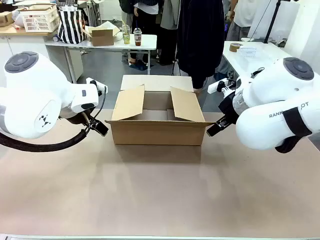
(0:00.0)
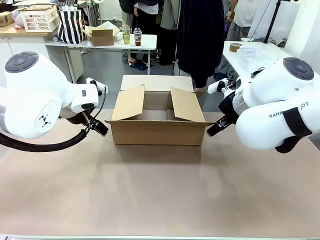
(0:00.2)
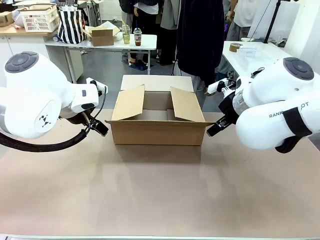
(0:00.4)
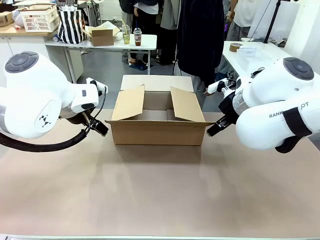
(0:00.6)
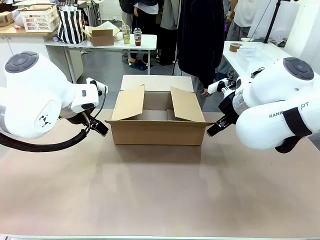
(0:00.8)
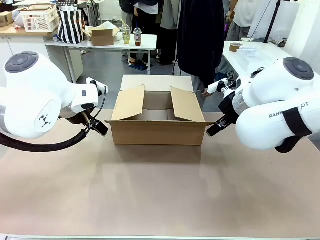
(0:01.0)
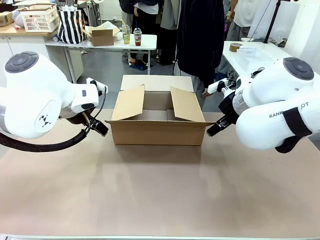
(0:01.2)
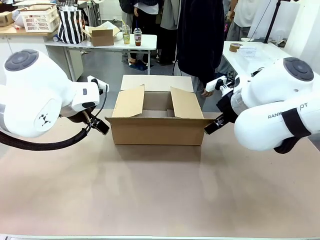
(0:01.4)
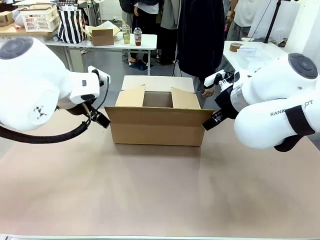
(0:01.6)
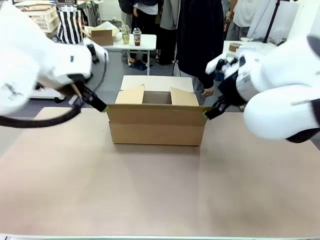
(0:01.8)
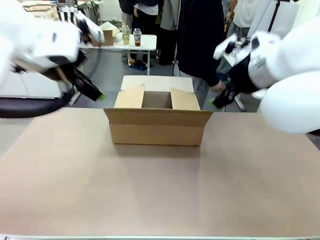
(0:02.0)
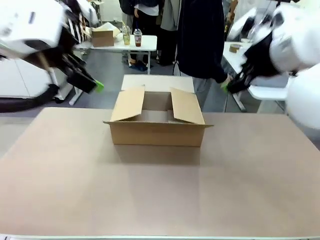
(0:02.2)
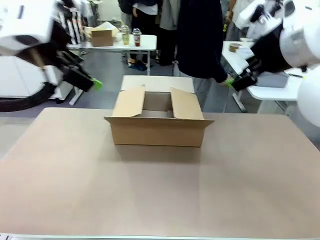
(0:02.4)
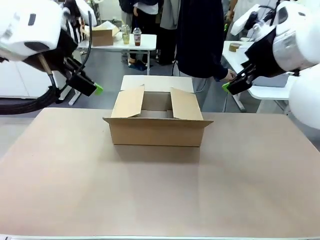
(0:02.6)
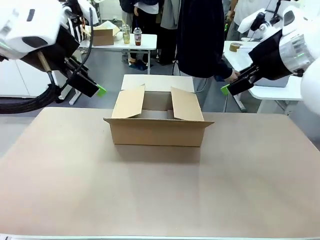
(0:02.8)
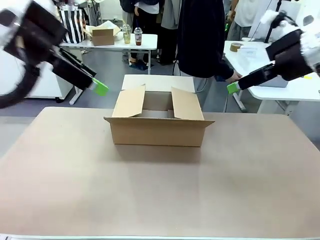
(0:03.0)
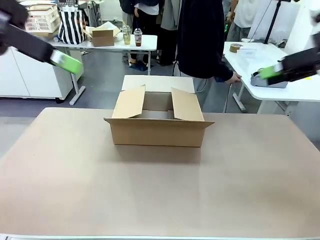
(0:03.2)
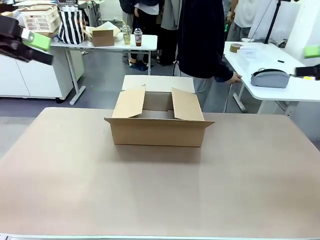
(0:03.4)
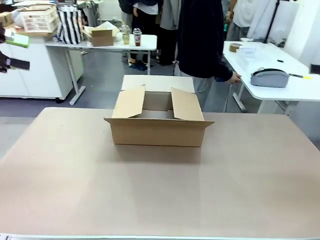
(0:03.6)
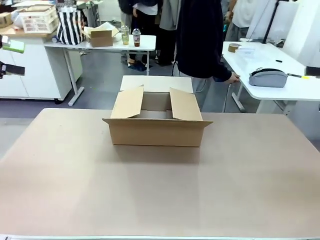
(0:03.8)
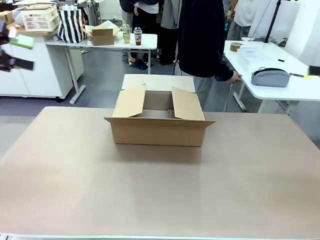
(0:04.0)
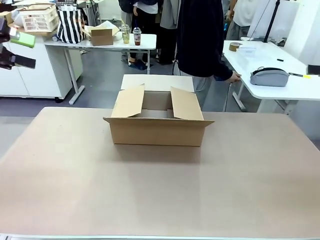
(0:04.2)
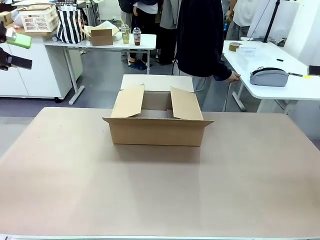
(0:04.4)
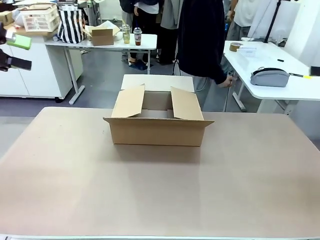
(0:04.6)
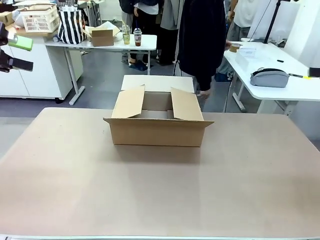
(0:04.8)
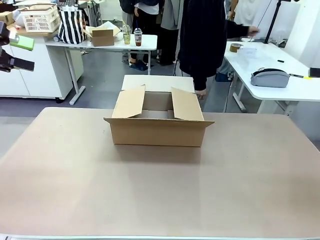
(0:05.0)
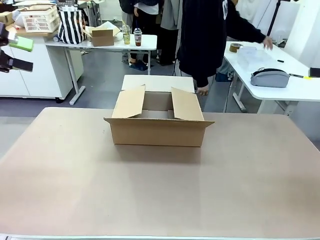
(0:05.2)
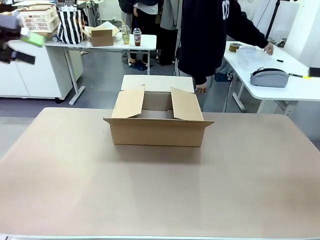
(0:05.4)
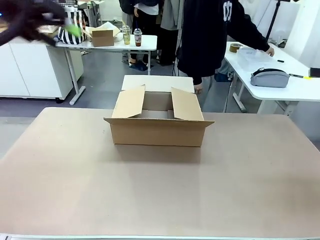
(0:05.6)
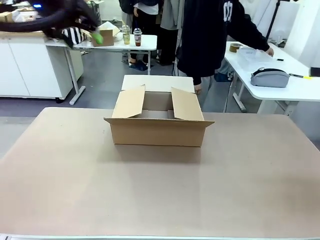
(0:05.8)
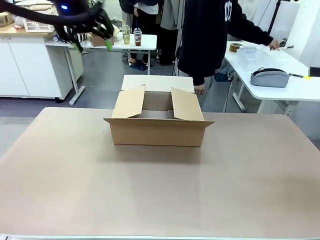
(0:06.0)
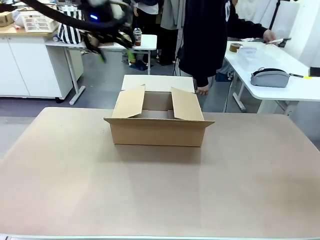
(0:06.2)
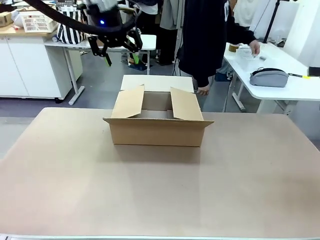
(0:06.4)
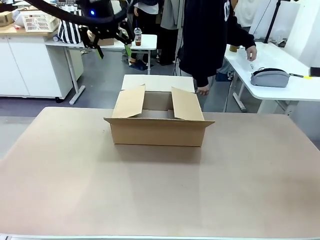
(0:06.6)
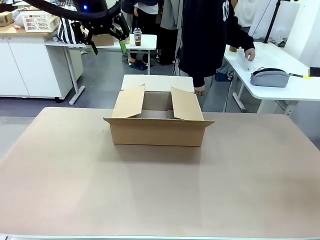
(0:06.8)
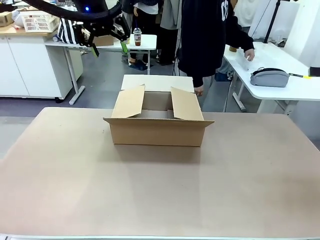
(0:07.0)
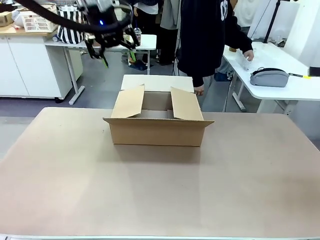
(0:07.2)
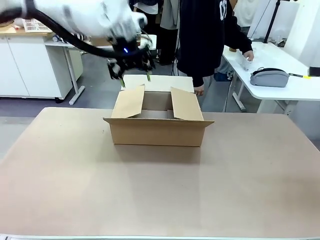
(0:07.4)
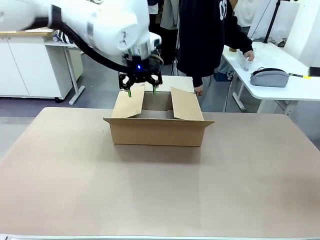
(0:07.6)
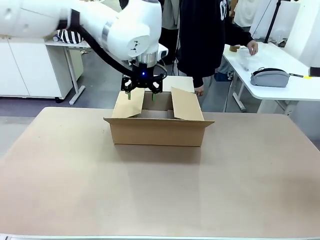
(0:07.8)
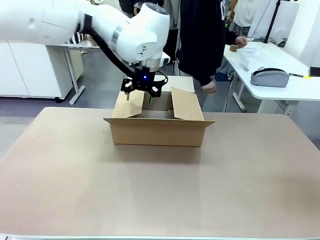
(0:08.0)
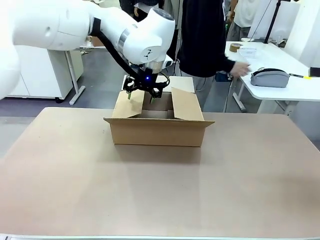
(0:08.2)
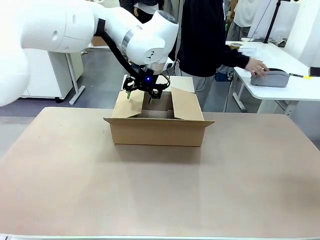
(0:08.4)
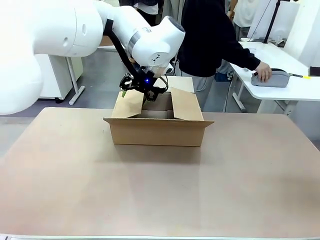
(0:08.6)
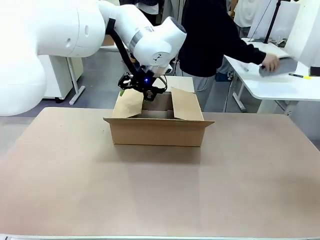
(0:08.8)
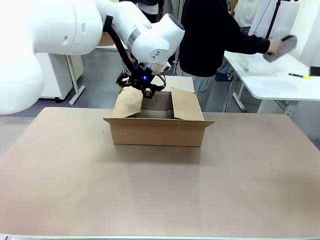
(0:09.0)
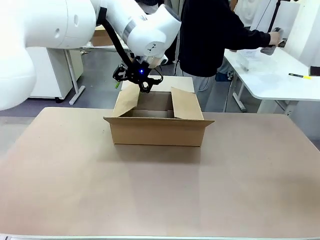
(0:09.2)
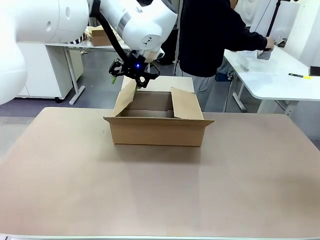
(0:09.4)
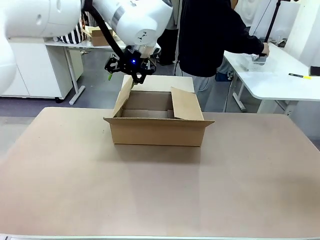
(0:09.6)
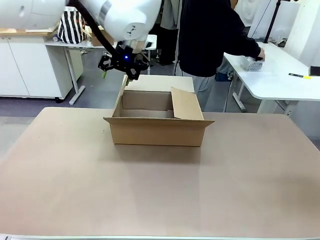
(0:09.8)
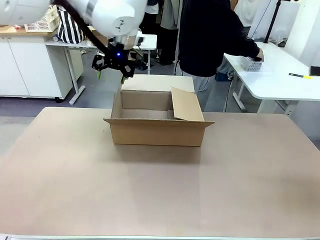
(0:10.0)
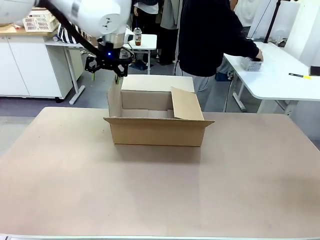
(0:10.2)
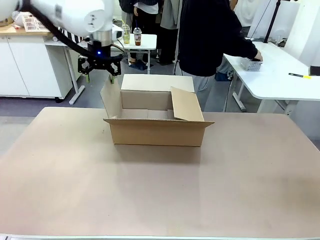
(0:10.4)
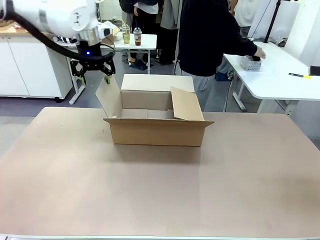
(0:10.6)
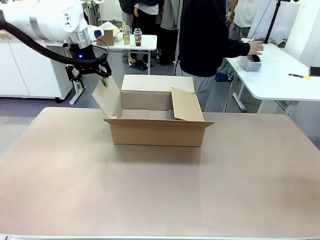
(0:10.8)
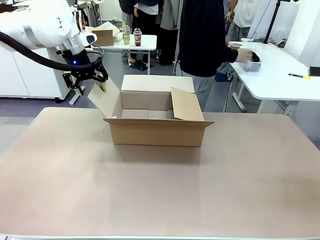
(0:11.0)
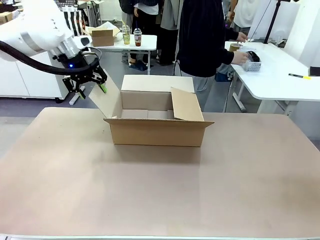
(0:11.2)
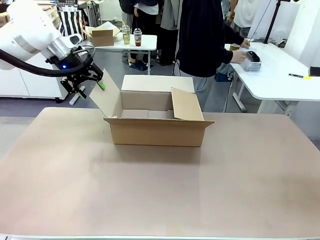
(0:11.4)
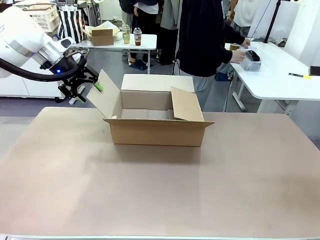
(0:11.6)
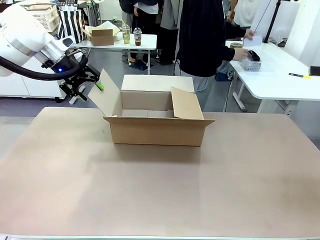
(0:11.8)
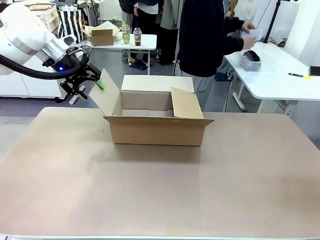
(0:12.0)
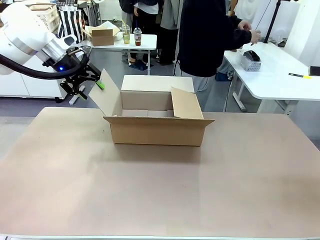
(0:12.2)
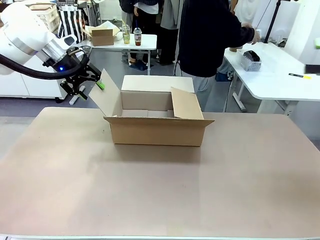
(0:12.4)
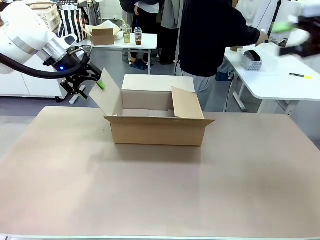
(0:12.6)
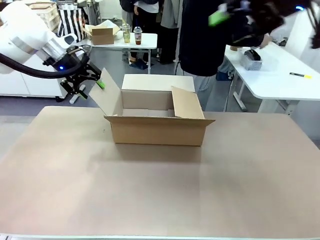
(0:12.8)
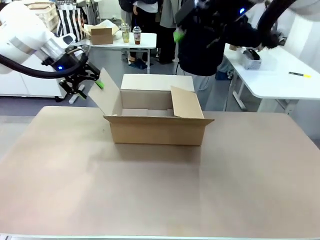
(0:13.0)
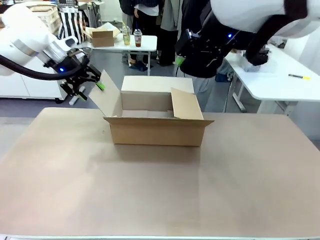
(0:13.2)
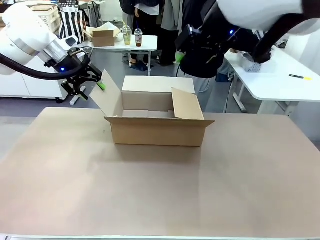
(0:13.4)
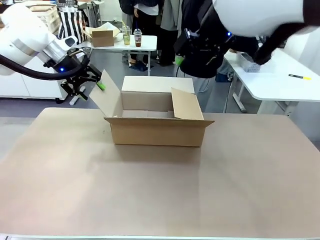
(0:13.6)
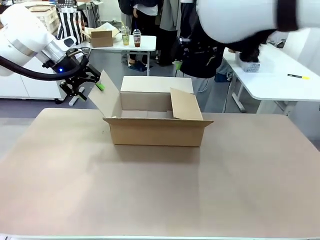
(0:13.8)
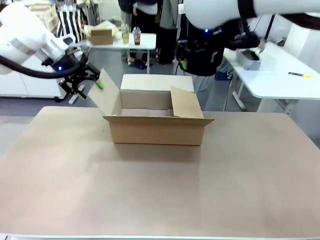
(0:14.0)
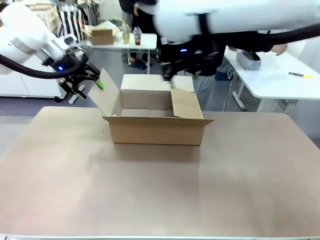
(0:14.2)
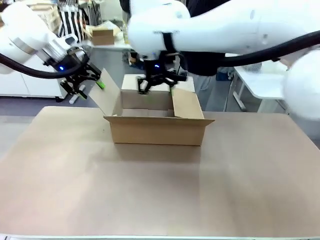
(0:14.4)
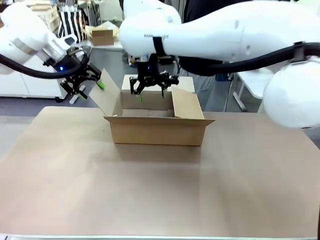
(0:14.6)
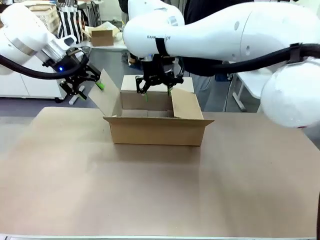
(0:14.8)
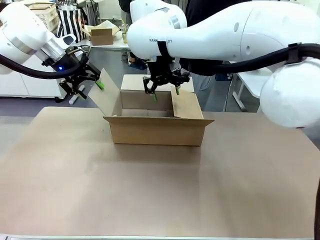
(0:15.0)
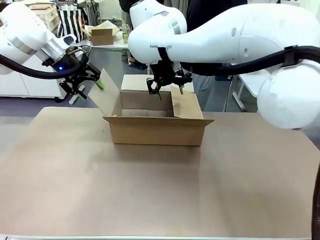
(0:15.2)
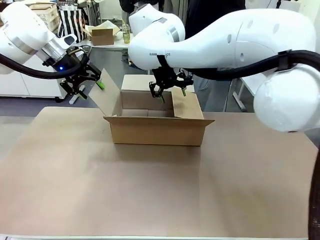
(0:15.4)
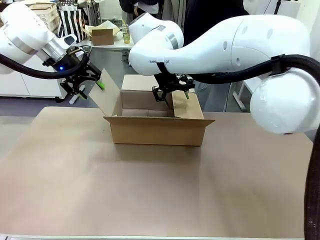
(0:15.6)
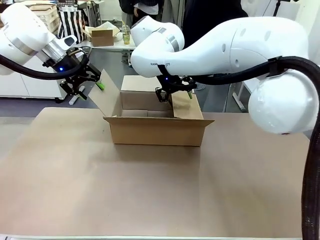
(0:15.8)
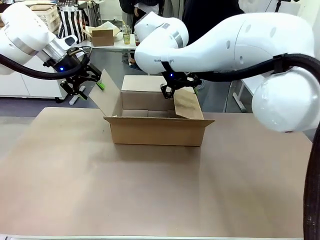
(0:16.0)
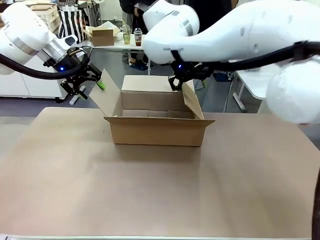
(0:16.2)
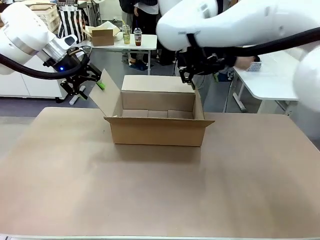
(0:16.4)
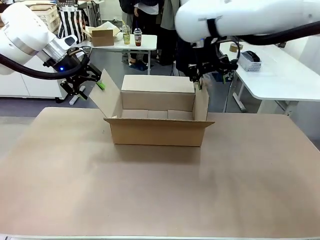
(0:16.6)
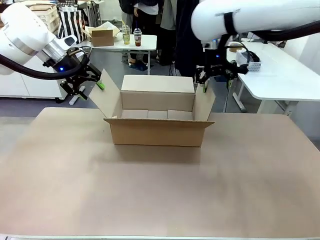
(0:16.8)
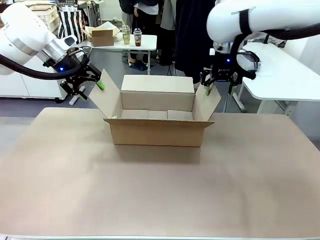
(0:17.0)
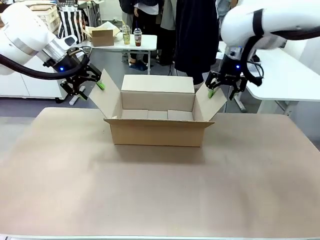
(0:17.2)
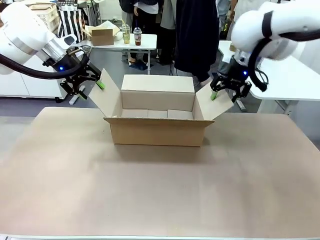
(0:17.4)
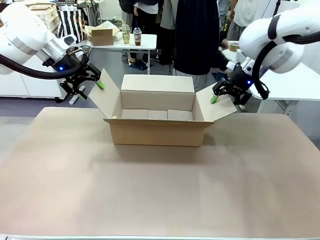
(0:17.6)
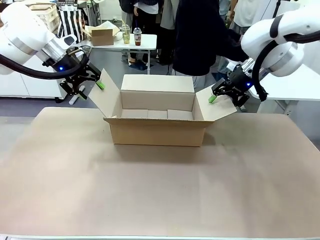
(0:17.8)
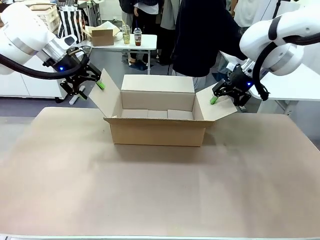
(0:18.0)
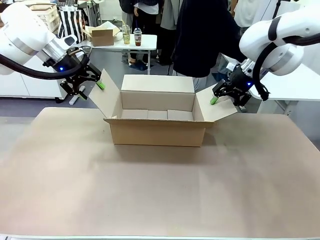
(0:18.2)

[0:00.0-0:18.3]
Task: Pack the gift set into the box.
Robot: Place both hands on the side flaps of the Package Box and spread them outward.
Person: The human places all items except the paper tape into the organizing basket.

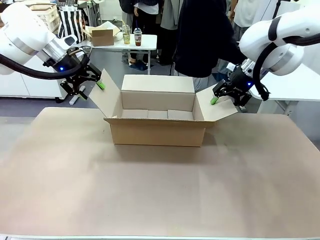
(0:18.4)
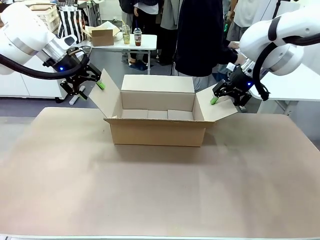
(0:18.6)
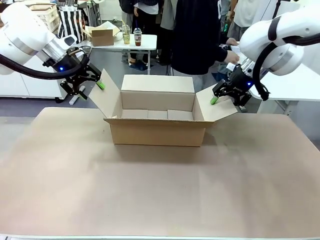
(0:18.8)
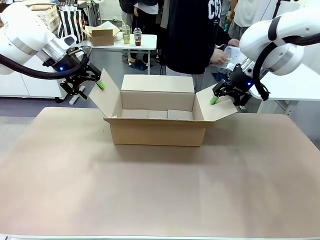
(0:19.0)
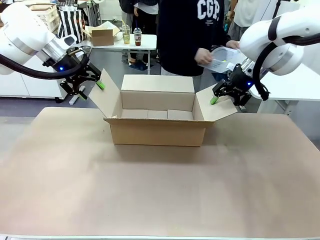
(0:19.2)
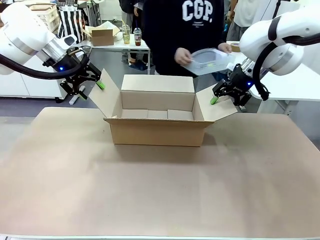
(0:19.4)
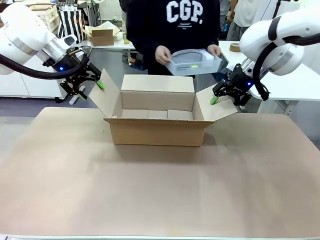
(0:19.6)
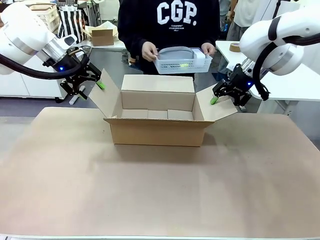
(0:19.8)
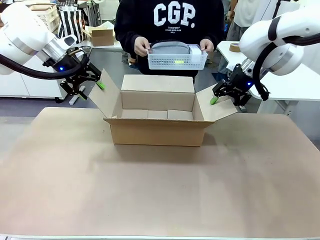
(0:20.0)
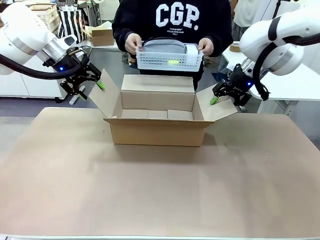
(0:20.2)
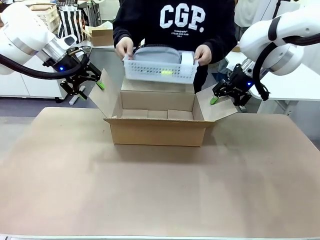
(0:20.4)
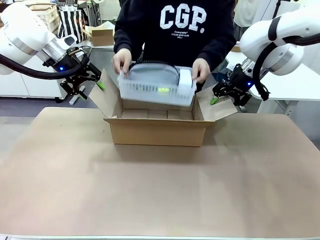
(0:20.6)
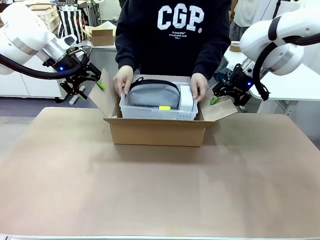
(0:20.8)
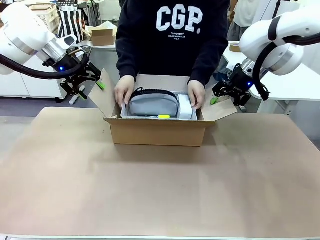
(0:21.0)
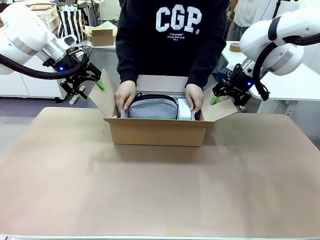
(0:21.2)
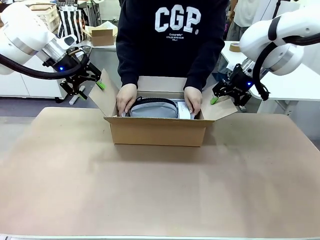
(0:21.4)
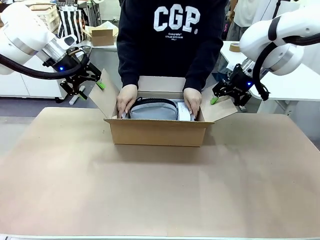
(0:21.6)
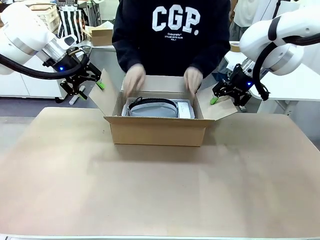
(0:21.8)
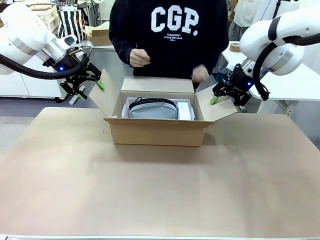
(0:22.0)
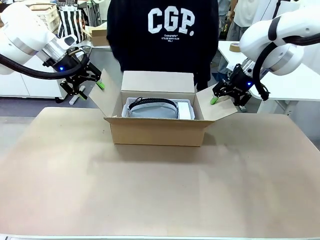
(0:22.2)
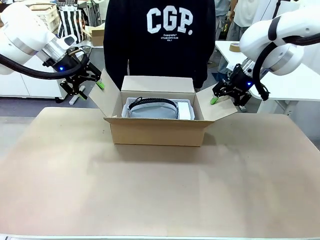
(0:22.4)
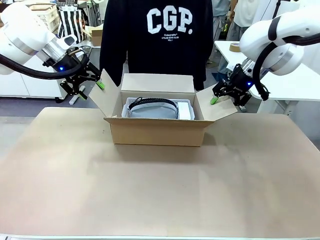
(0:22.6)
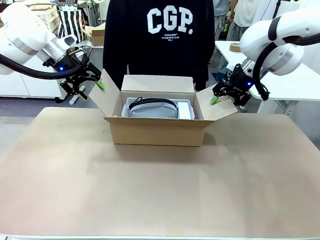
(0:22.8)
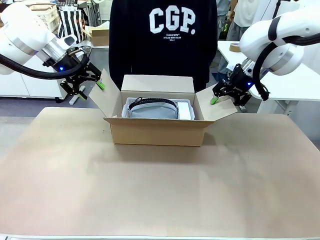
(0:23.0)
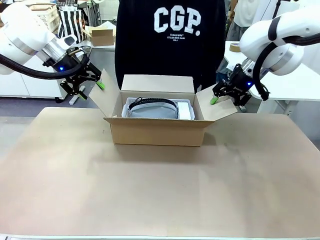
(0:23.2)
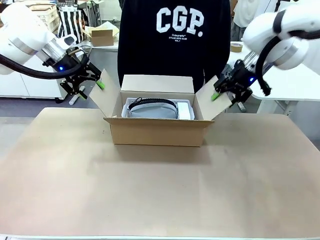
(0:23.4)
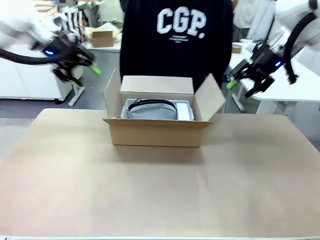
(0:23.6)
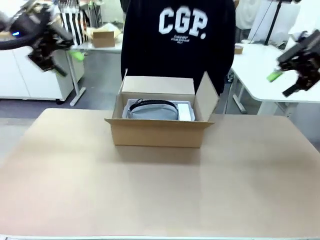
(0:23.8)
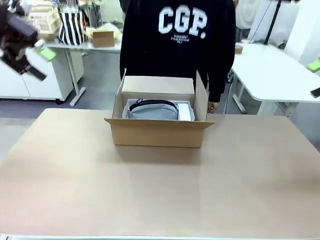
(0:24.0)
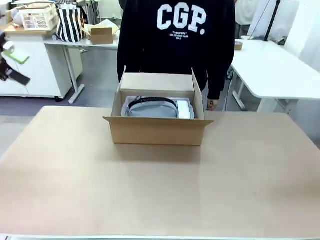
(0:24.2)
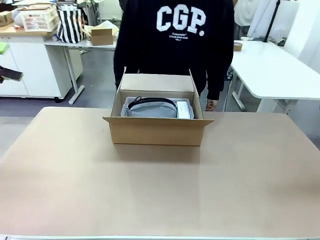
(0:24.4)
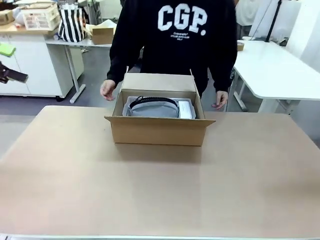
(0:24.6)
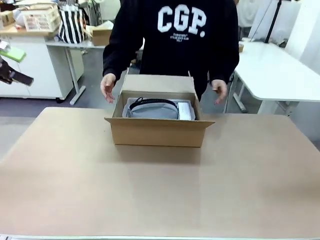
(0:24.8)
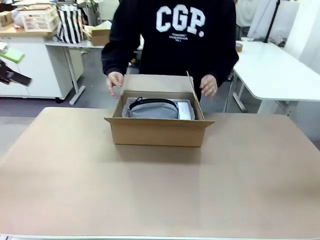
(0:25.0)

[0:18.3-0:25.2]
Robot: Lift both hands away from the flaps of the Package Box.
Person: The human picks up the organizing basket and places the organizing basket into the package box on the robot table.
